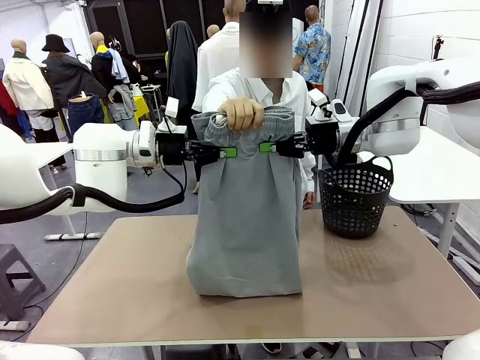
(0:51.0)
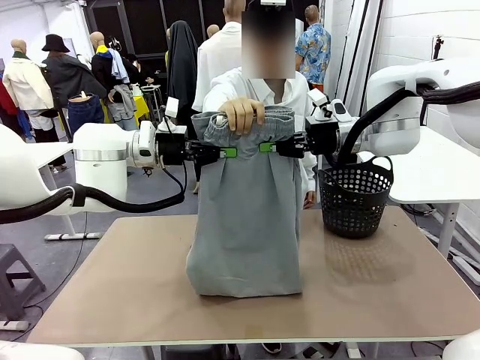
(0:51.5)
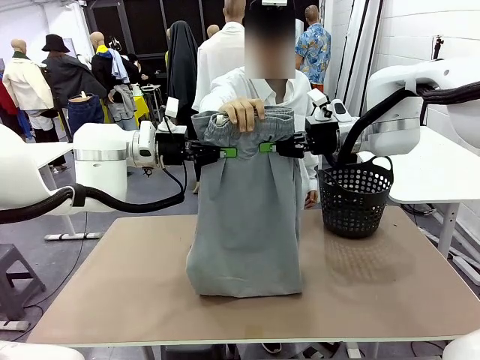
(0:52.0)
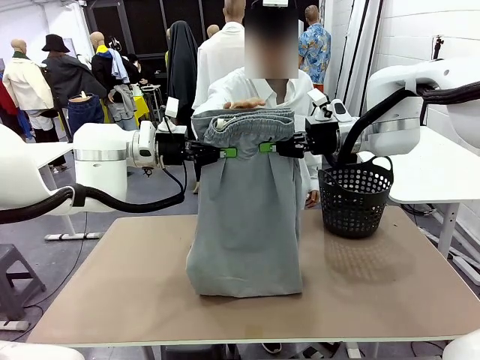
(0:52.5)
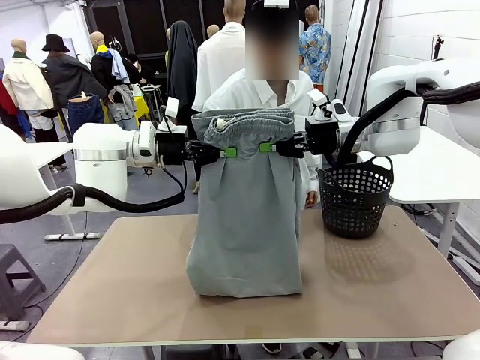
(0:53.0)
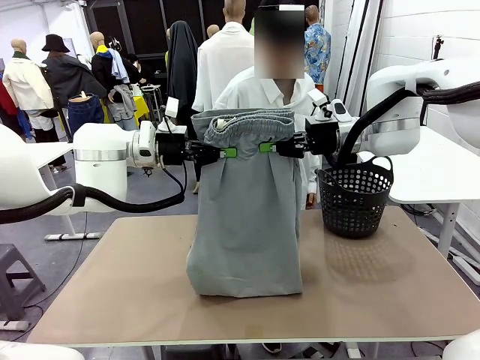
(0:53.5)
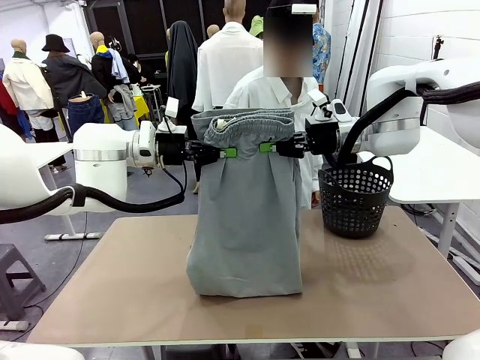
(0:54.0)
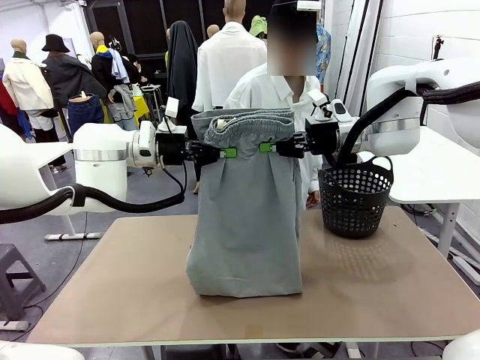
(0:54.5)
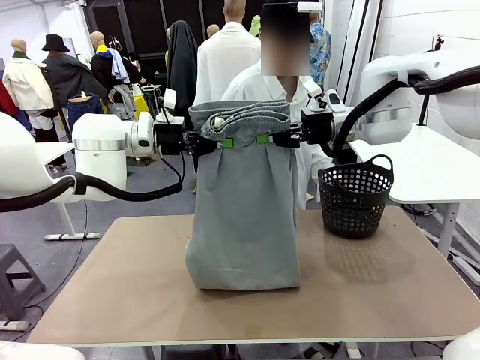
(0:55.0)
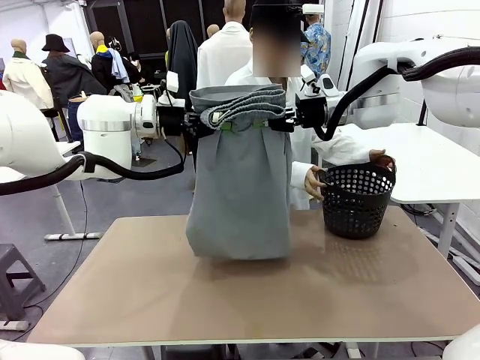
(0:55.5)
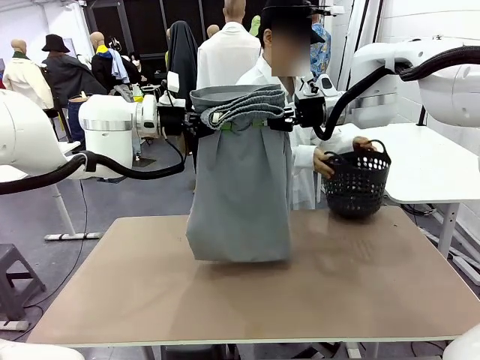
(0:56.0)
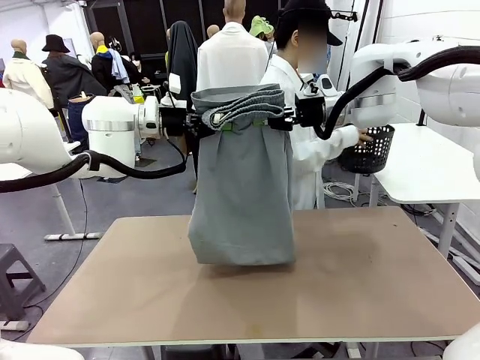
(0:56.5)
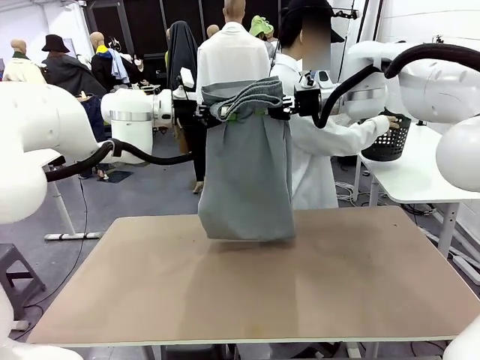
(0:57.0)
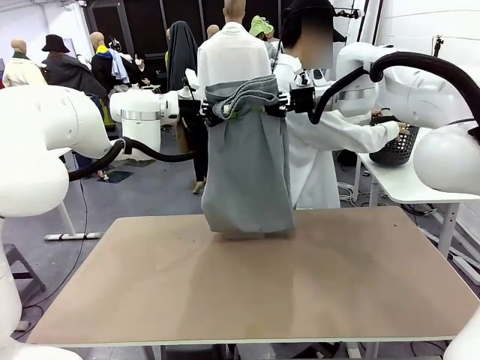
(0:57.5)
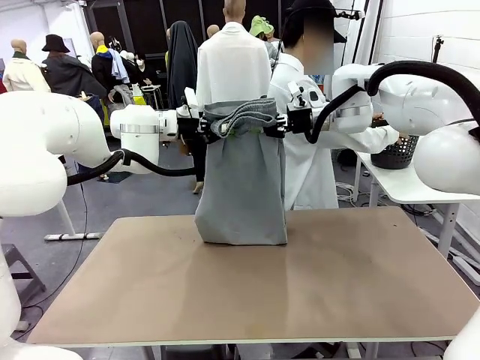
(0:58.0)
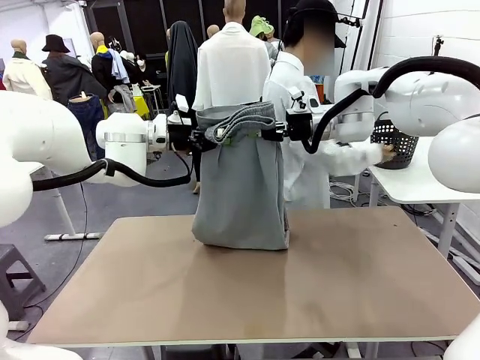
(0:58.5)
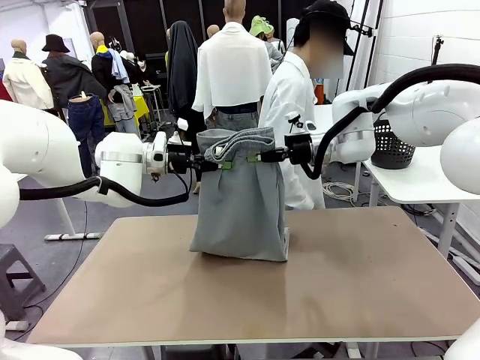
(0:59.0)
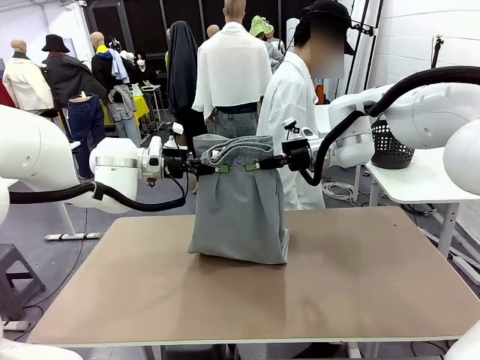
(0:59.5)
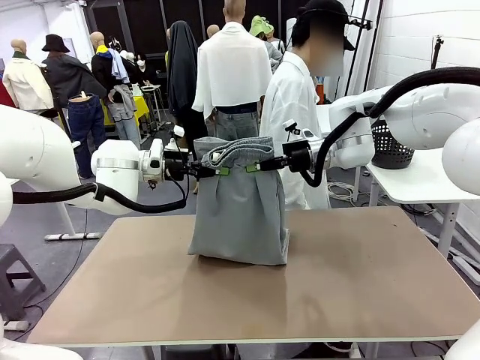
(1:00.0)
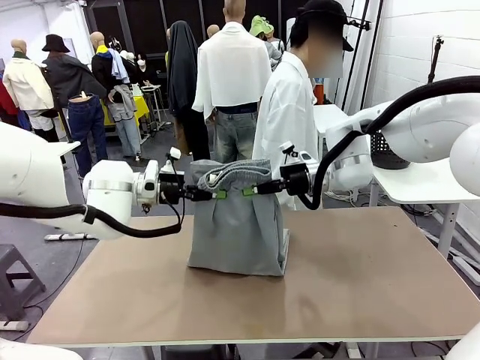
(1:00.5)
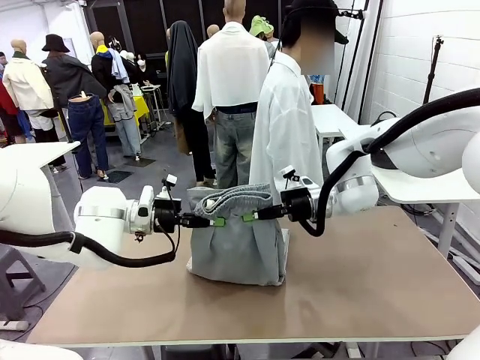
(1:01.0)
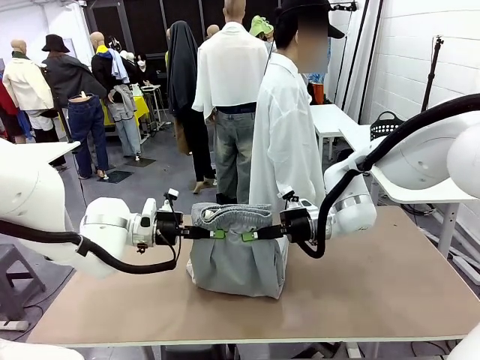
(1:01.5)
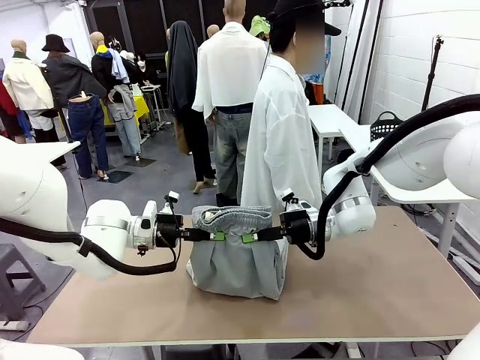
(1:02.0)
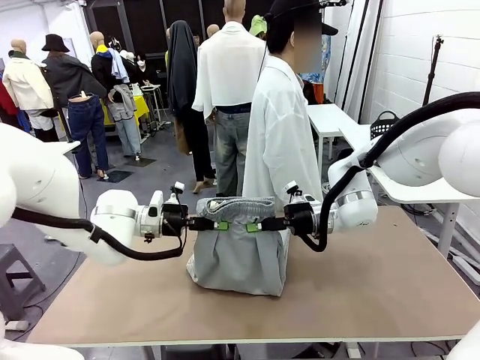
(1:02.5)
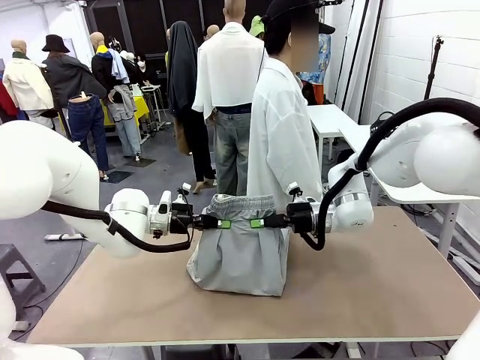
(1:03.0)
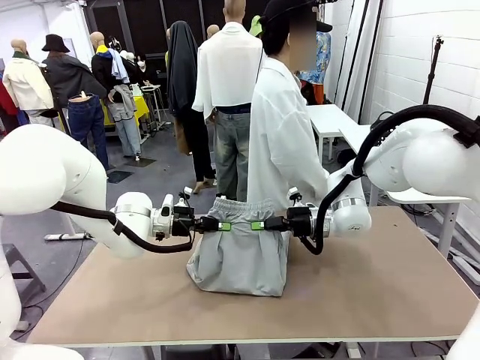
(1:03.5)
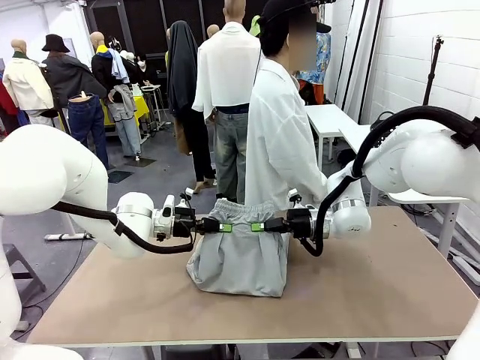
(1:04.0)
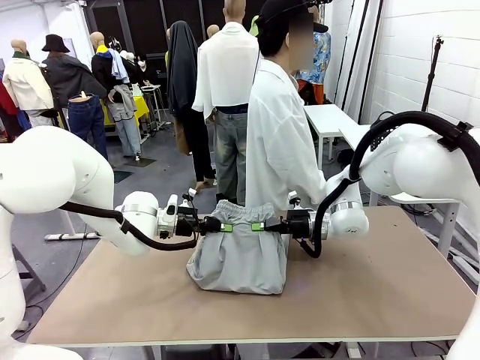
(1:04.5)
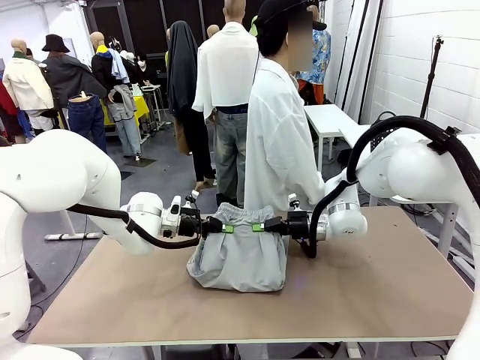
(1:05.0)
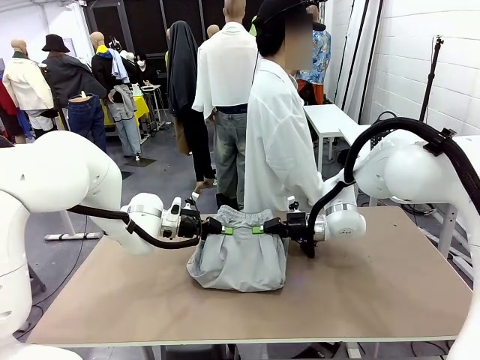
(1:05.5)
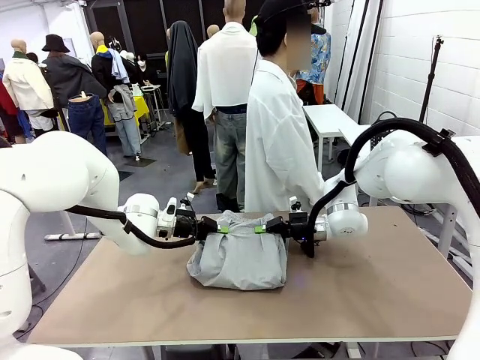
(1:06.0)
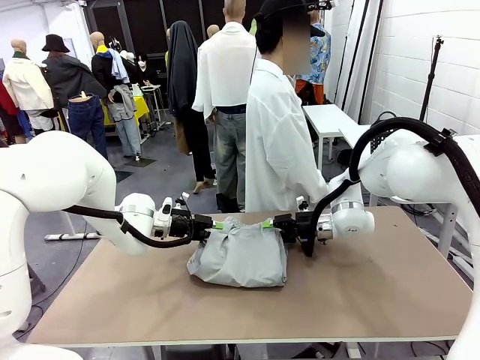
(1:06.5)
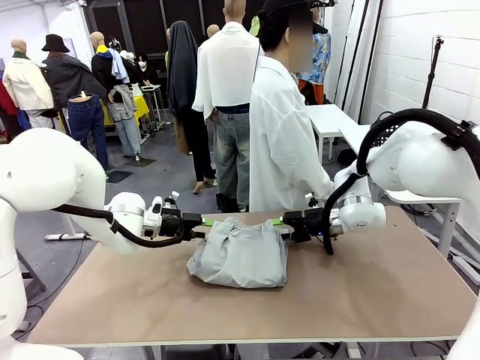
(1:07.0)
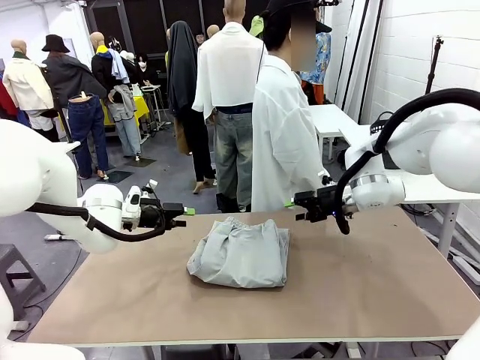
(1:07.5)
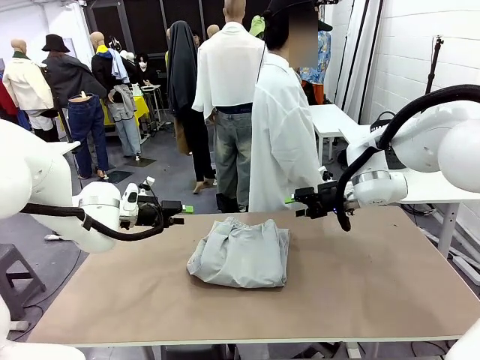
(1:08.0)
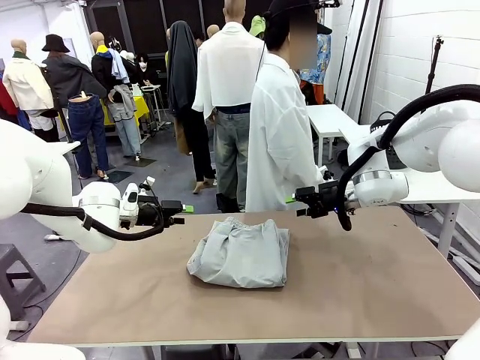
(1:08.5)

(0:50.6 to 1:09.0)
Task: Fold the training pants.
Robot: Fold the Training pants in half.
Person: Move the laundry basket to the right of the human table.

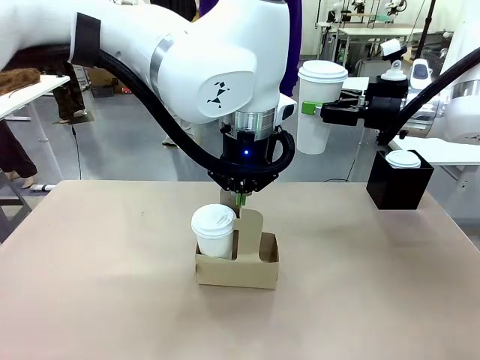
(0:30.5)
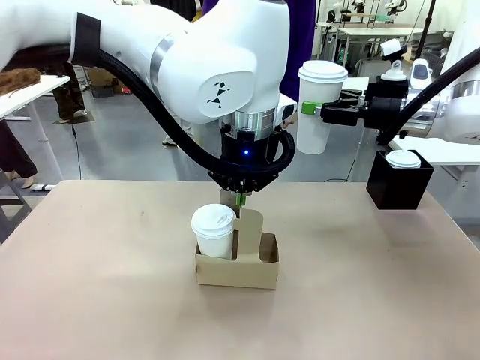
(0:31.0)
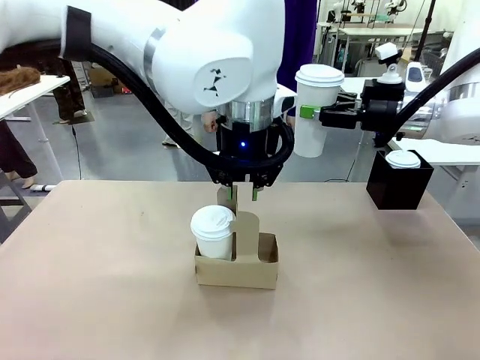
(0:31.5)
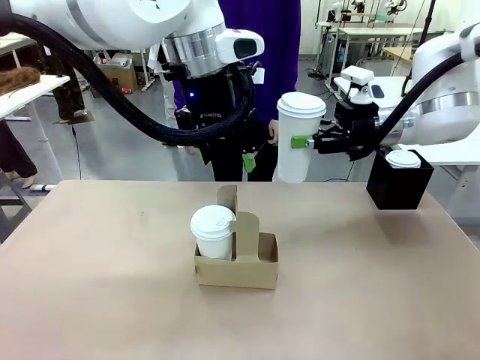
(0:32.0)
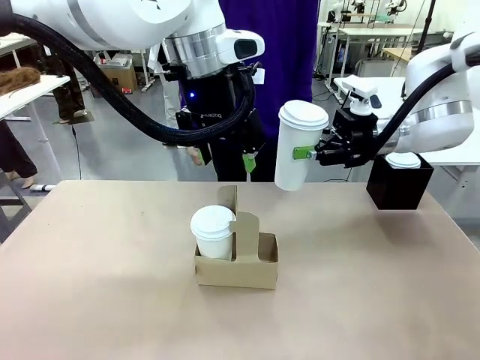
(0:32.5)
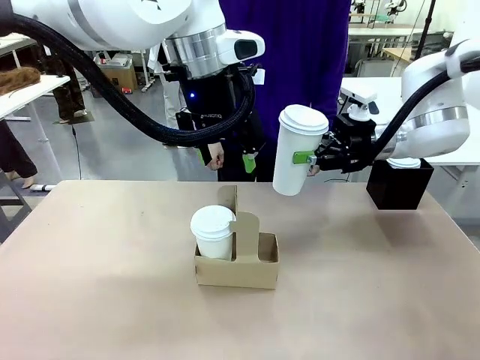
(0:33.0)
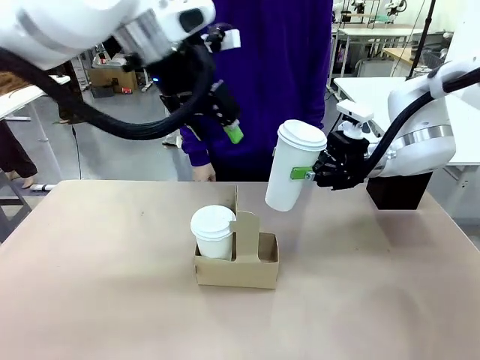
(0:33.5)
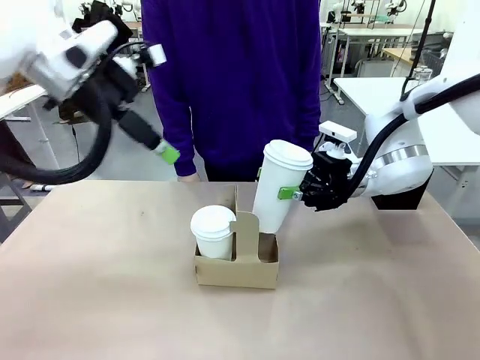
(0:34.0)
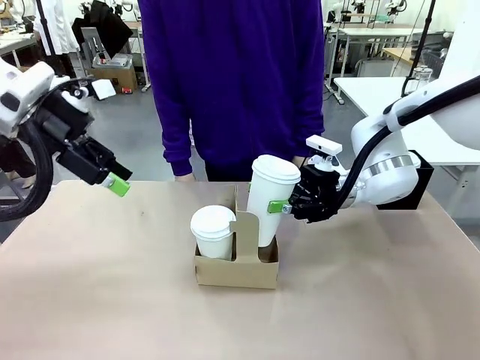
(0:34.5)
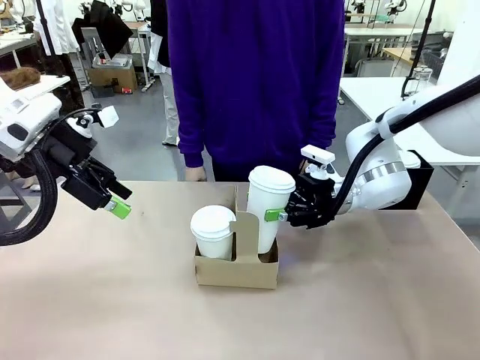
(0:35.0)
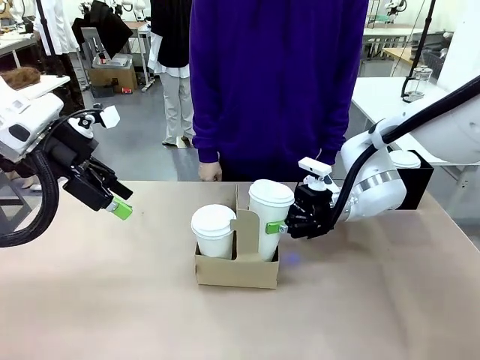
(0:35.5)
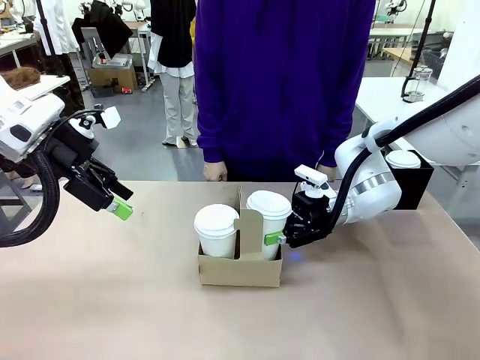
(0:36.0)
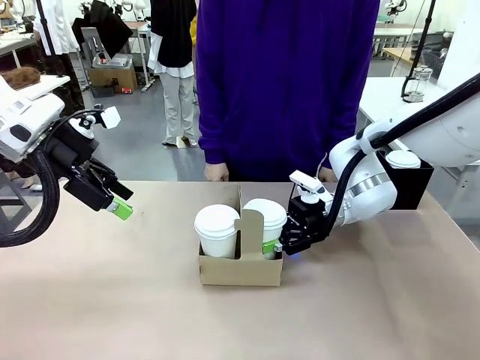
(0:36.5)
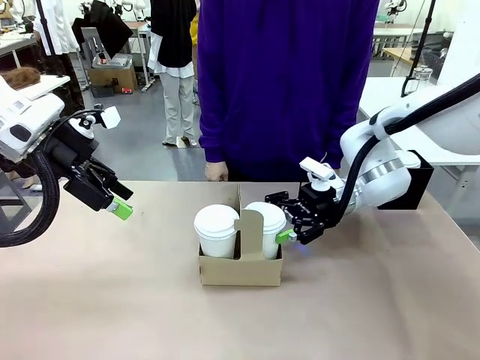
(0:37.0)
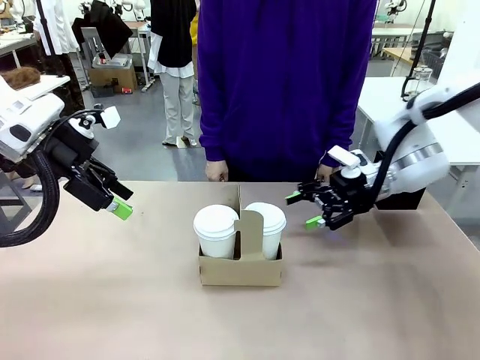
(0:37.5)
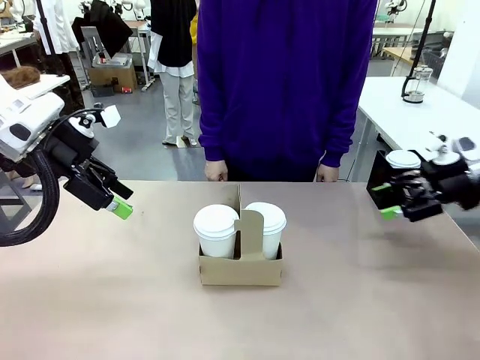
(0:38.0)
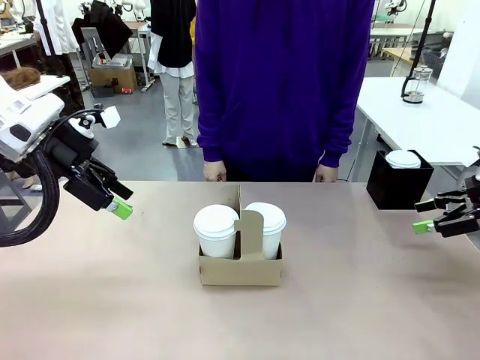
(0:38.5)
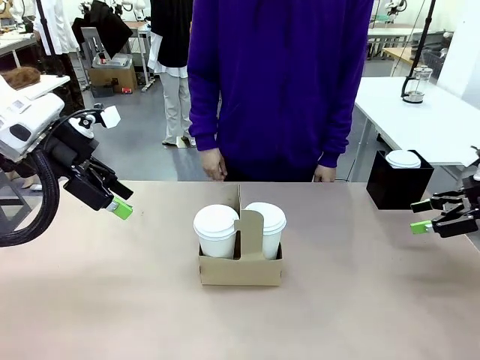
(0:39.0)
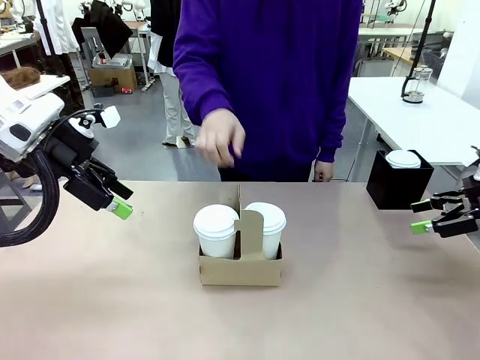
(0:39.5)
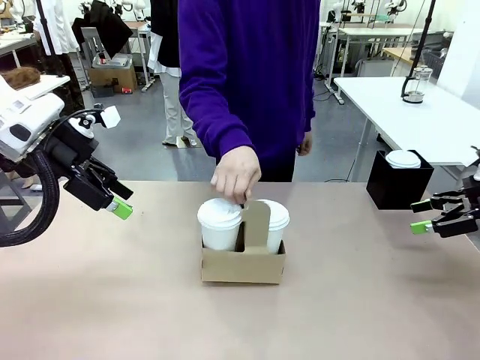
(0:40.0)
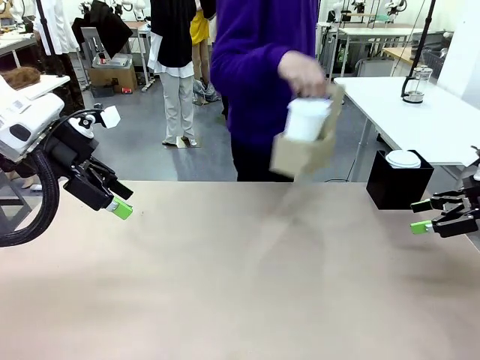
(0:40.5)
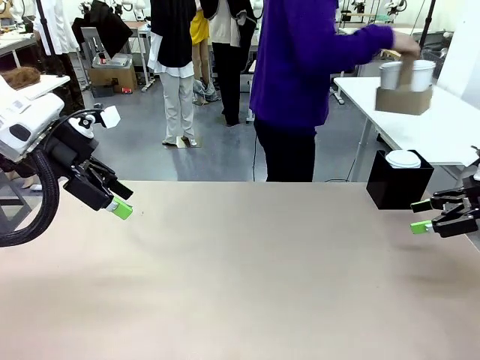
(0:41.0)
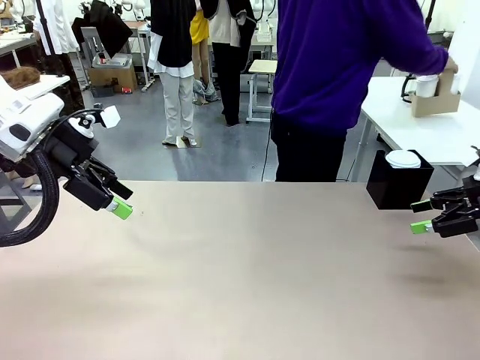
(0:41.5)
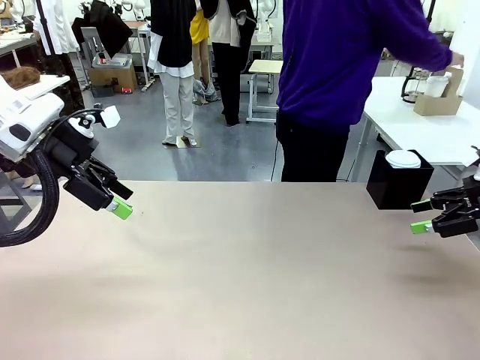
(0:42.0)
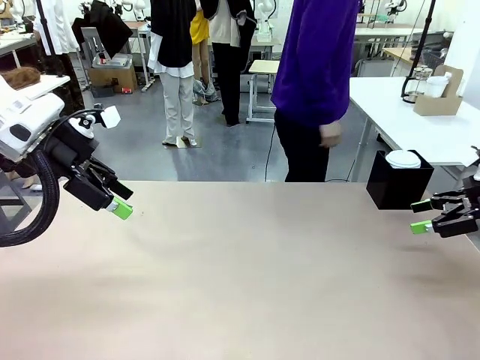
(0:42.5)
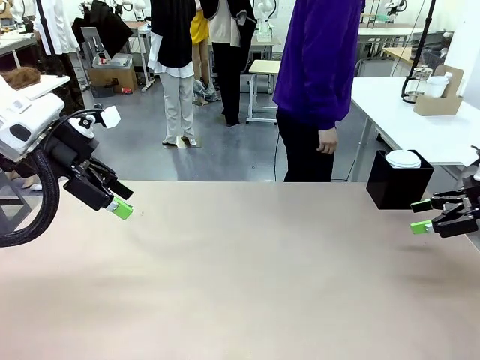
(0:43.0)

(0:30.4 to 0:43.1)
Task: Pour a drink into a cup and package it in a carrier.
Robot: Insert the held 600 ml Paper Cup into the Cup Carrier.
Person: Place the Cup Carrier to the middle of Human table.
